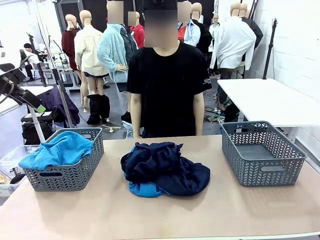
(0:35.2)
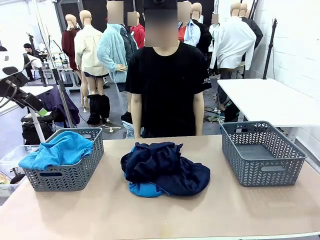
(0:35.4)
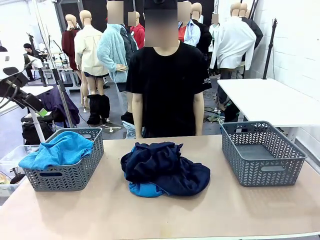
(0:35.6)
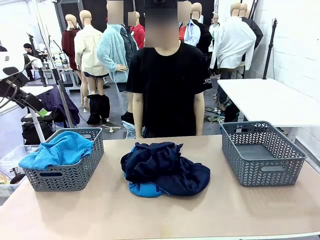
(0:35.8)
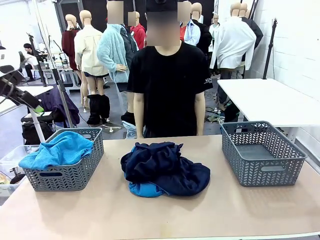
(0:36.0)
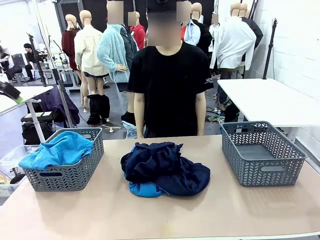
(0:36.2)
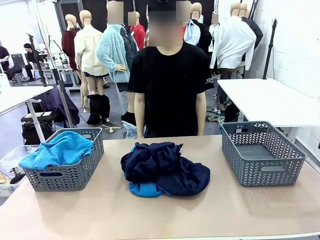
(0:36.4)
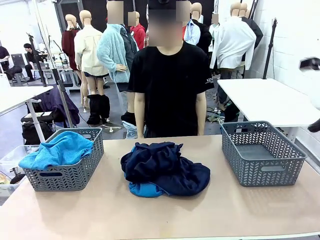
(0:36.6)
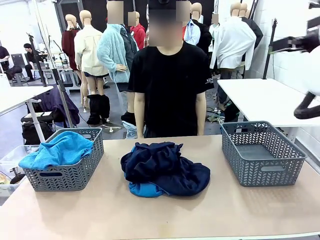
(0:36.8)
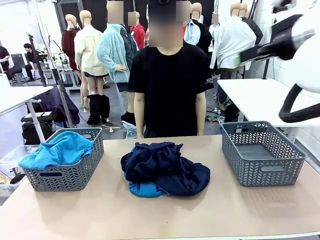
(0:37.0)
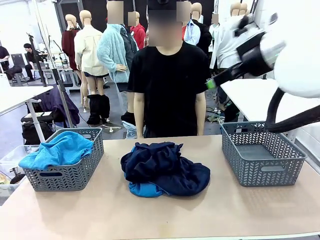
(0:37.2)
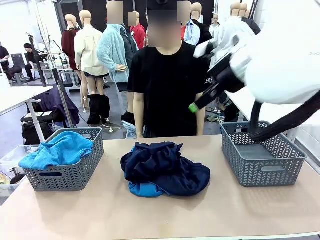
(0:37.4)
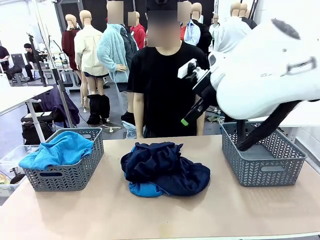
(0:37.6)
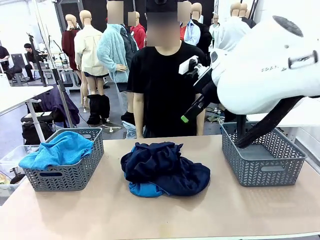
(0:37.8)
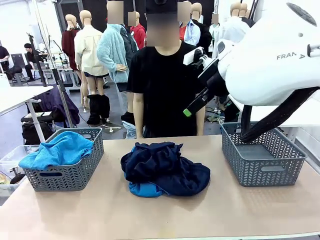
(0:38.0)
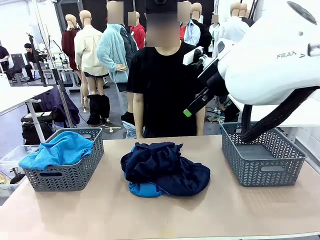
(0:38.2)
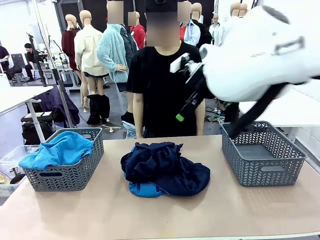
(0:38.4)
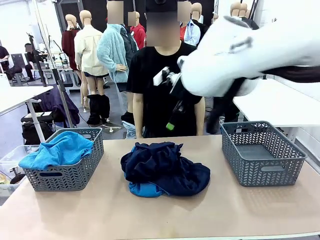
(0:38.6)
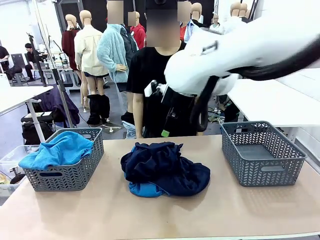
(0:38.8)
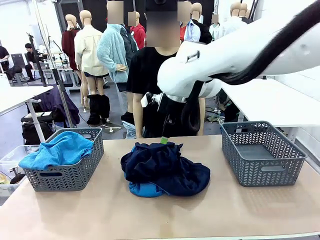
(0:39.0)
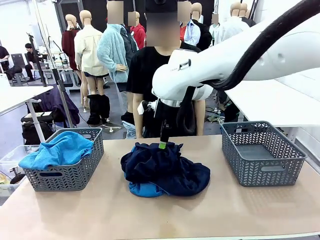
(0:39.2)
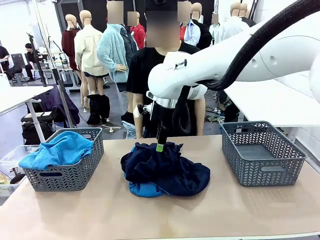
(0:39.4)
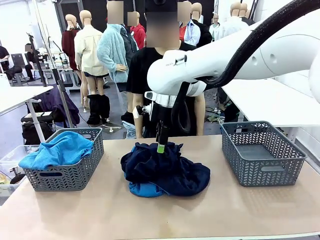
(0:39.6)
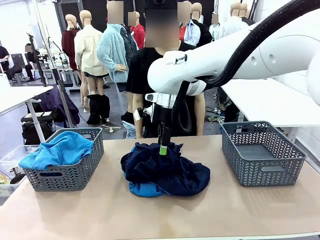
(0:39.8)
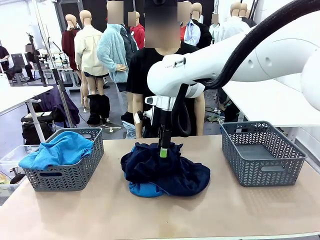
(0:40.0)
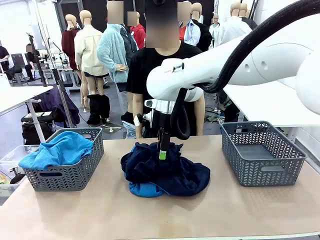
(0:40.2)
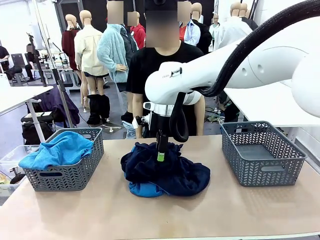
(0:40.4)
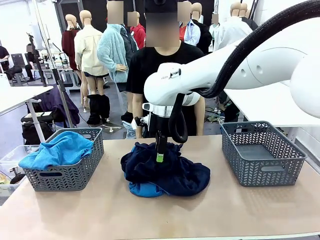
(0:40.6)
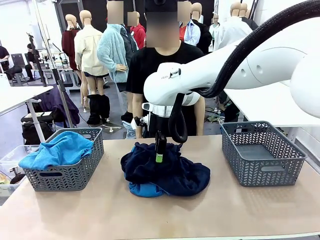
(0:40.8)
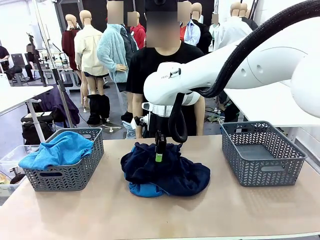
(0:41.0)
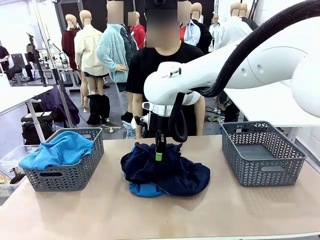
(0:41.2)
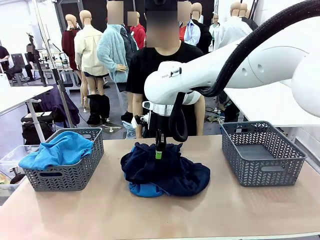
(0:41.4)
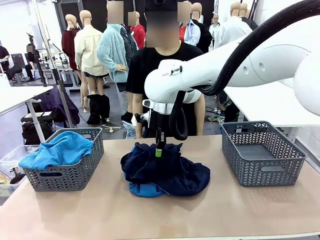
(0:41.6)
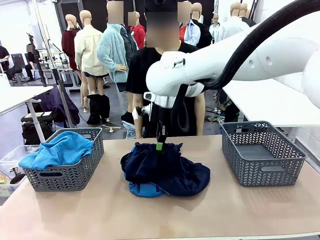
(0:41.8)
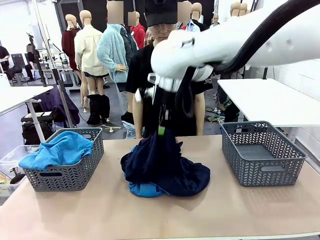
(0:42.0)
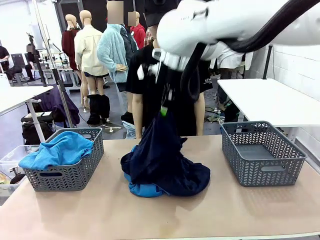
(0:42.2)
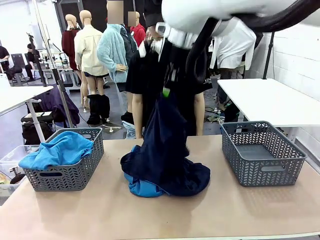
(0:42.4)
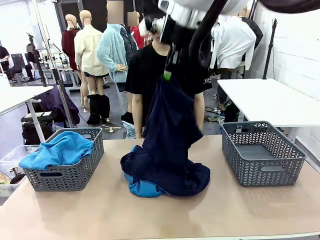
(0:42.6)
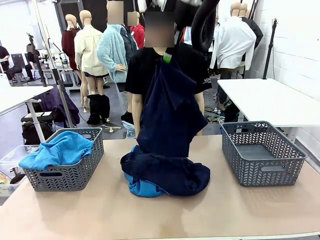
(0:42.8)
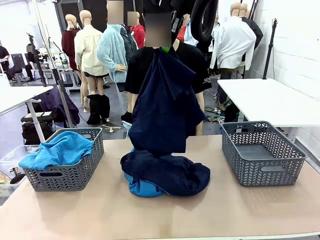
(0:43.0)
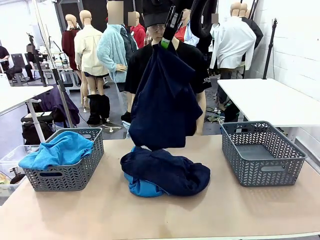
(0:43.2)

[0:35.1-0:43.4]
Task: Sort the tops and bottoms.
Robot: Lift clothes from the center of the table with your right hand.

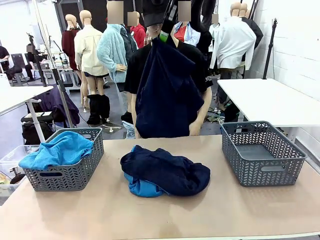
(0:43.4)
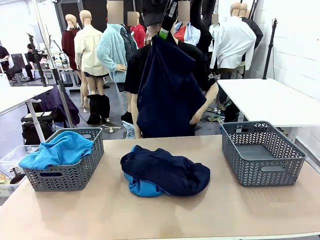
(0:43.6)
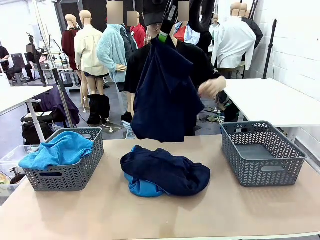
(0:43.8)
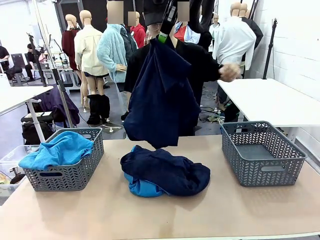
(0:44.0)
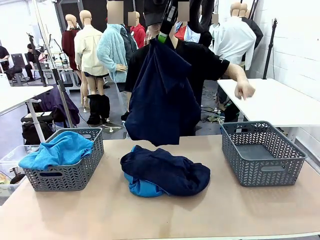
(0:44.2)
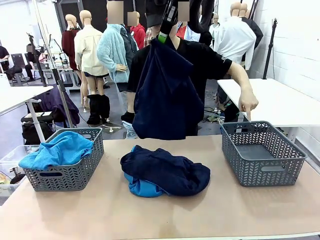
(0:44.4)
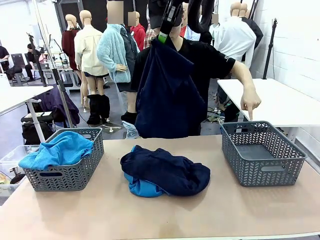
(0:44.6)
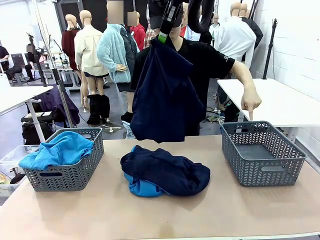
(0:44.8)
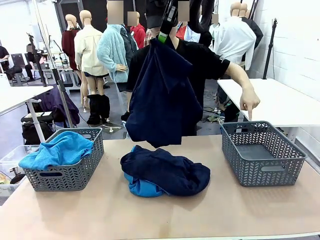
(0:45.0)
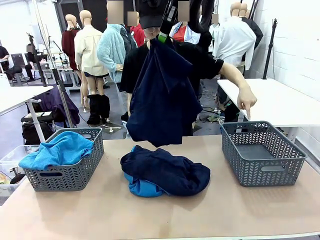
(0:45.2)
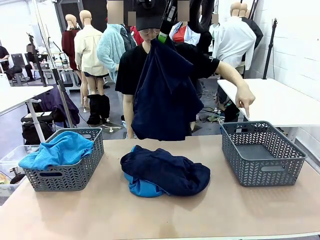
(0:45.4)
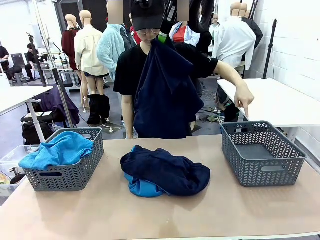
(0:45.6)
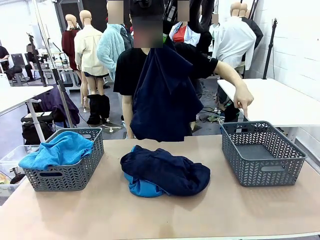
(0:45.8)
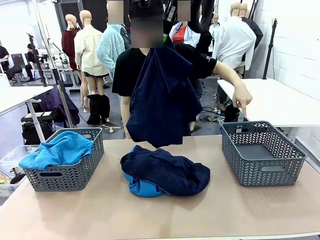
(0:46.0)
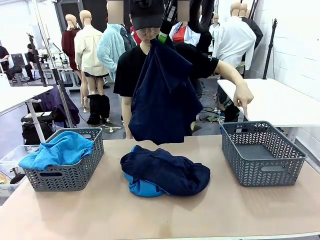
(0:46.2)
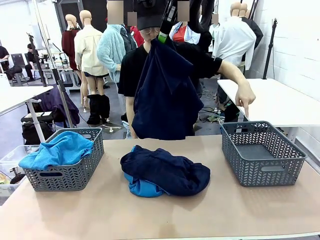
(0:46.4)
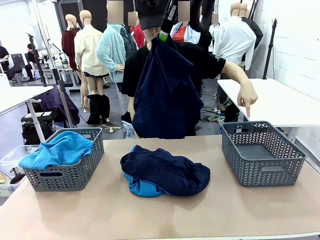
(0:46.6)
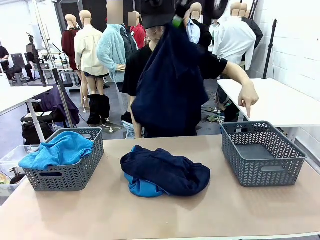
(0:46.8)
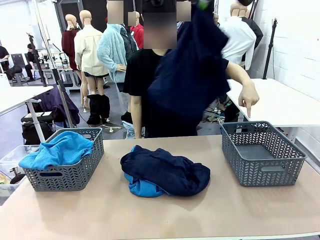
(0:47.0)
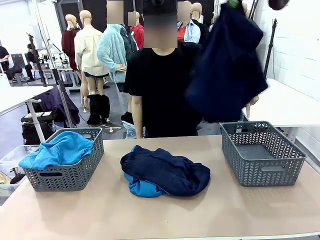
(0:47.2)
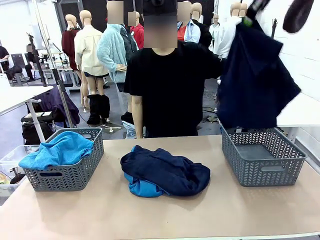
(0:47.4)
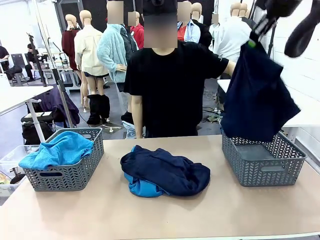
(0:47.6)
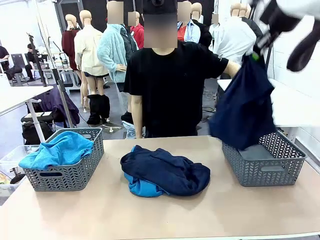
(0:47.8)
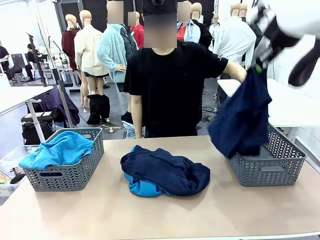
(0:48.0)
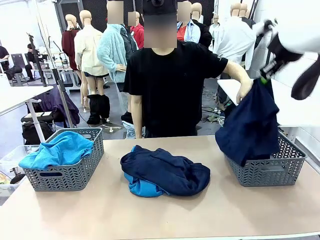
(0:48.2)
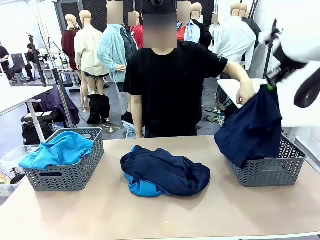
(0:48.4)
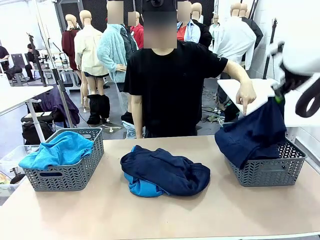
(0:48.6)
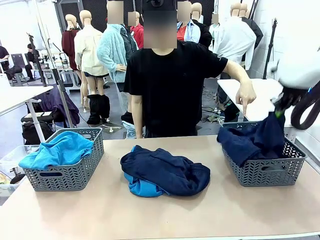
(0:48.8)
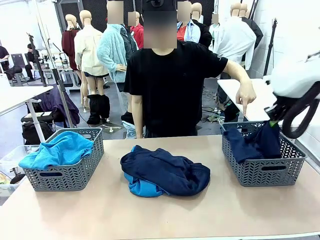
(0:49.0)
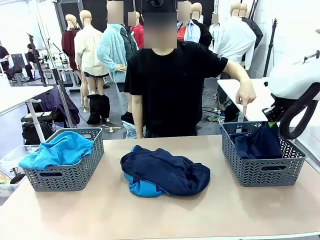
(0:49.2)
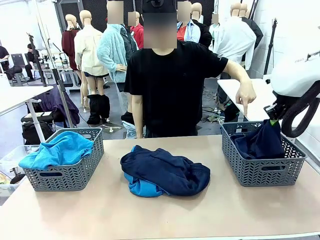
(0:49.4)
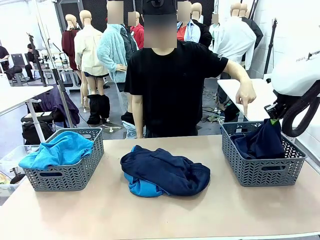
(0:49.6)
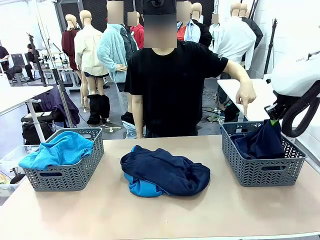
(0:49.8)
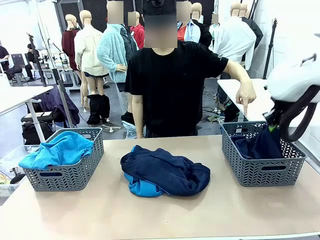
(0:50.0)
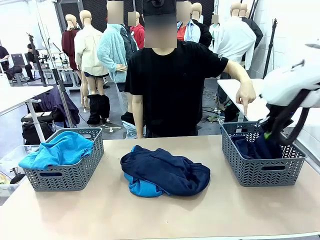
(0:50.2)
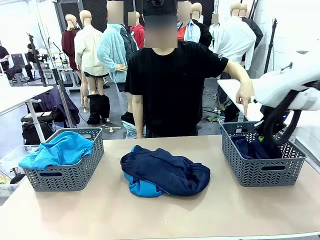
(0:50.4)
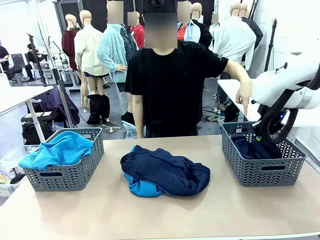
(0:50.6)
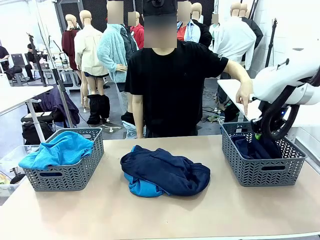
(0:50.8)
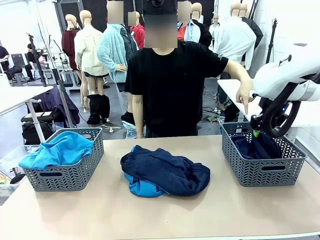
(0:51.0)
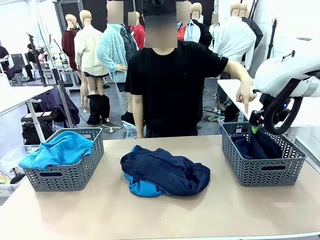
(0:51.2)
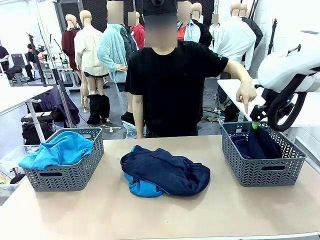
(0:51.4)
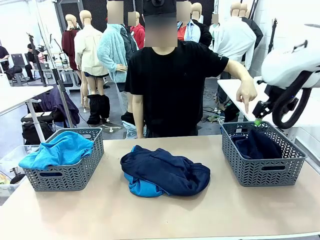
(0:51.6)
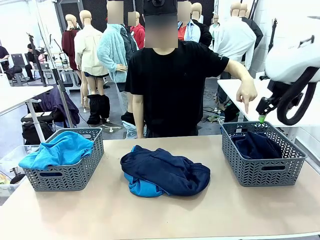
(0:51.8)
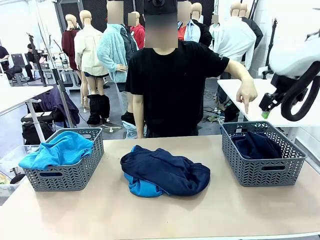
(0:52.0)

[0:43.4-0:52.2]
Robot: Sort the clothes according to human instructions.

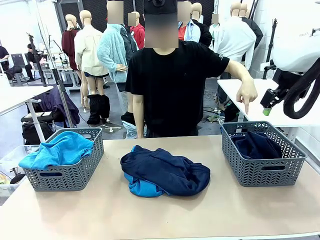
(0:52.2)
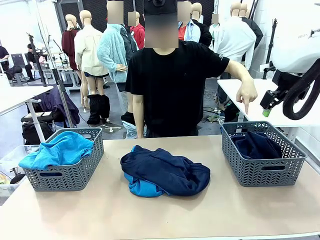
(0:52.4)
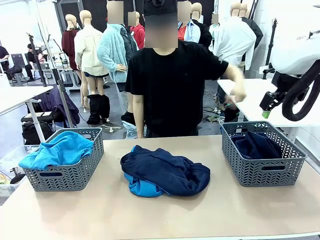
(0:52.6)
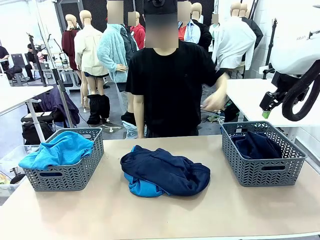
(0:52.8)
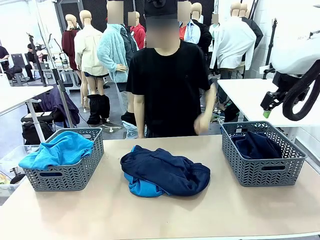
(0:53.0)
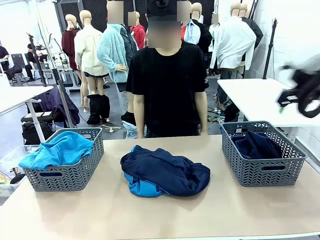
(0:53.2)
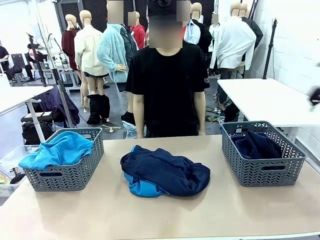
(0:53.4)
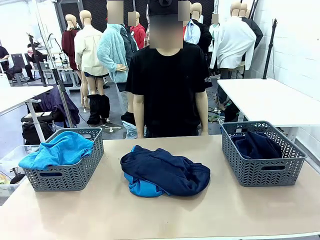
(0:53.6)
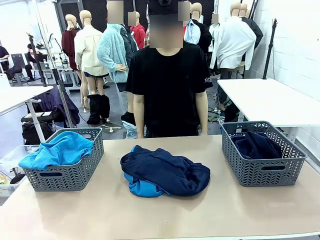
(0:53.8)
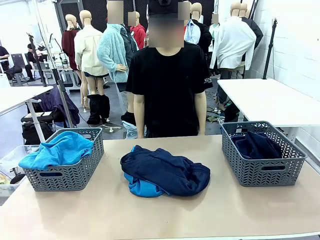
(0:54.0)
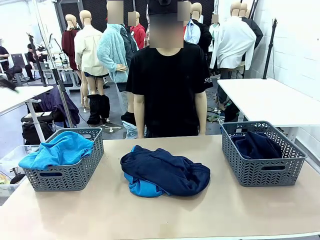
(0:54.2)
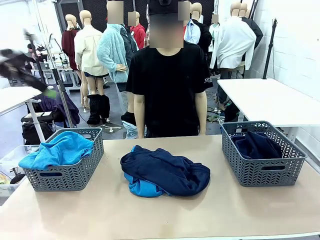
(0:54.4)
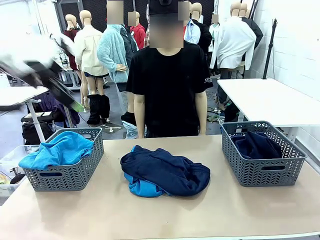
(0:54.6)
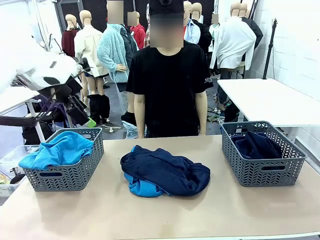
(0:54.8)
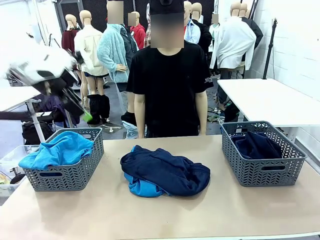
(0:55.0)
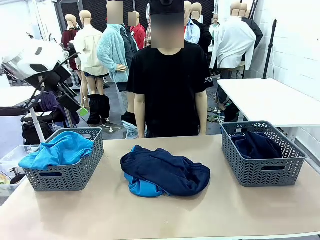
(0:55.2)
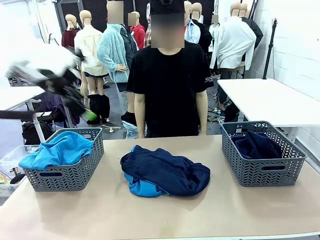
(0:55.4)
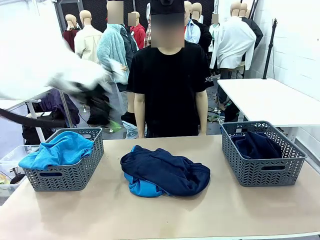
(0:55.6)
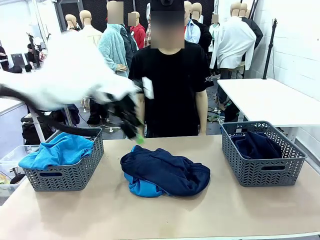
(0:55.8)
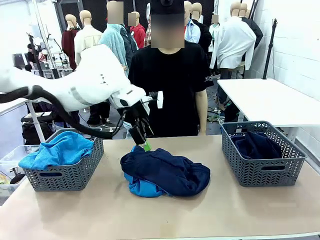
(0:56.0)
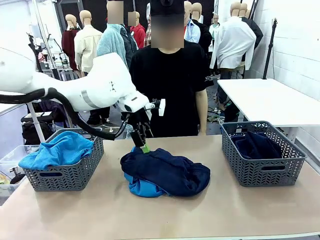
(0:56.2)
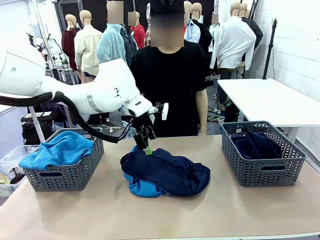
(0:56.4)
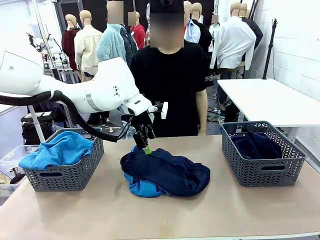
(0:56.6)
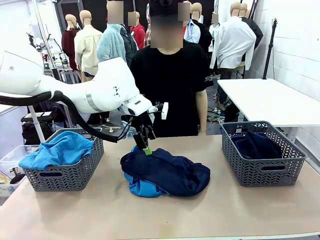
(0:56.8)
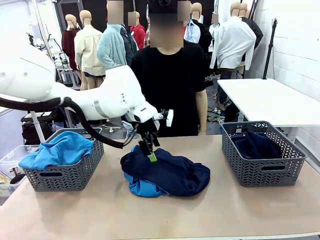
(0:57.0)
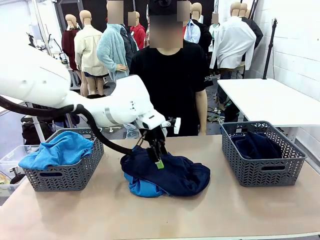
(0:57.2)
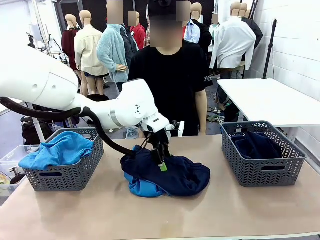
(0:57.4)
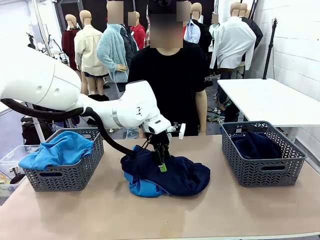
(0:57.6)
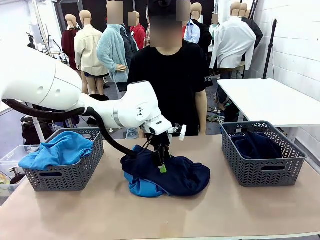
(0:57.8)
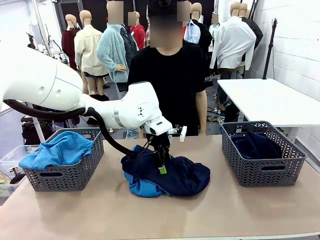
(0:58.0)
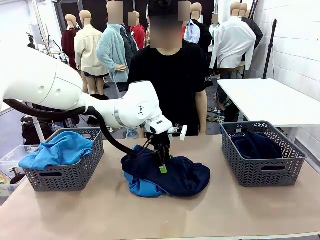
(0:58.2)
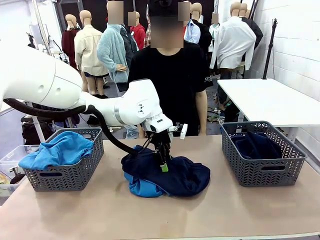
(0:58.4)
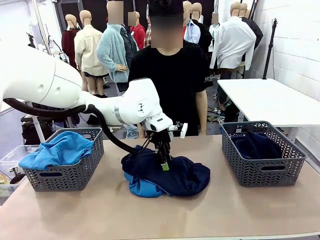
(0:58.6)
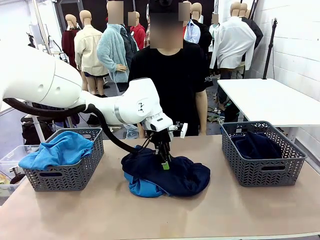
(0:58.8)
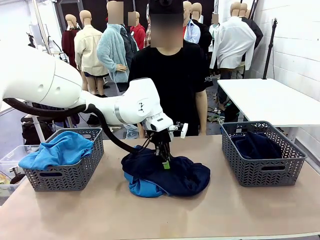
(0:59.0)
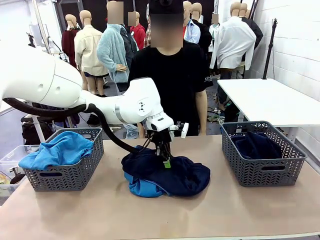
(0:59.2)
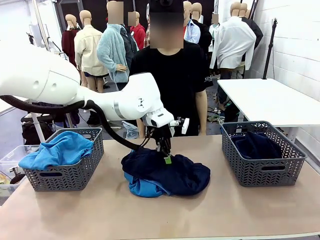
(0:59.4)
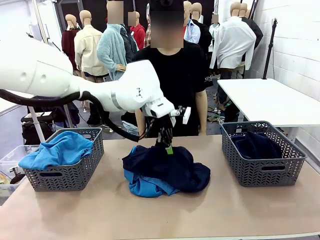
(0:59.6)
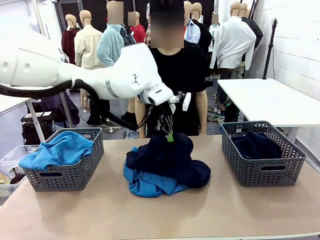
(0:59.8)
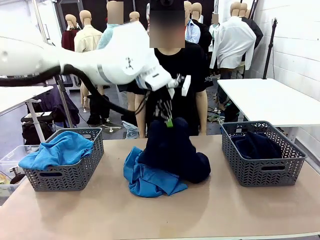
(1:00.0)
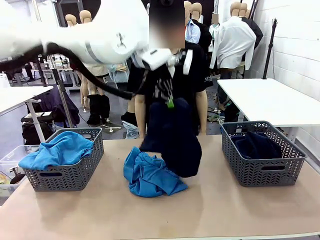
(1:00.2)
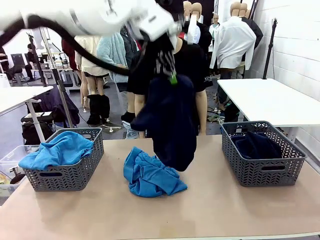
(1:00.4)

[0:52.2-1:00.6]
Robot: Lift clothes from the center of the table with your left hand.
